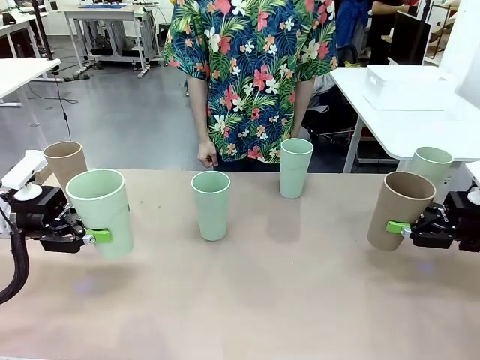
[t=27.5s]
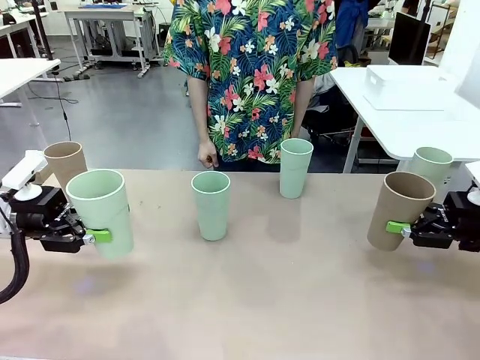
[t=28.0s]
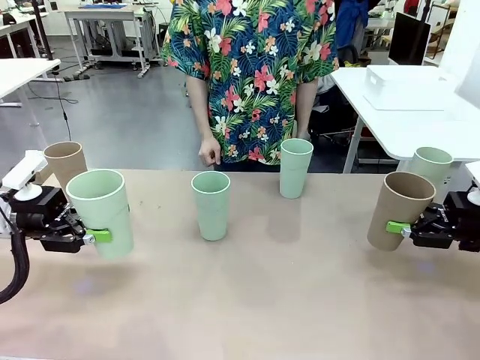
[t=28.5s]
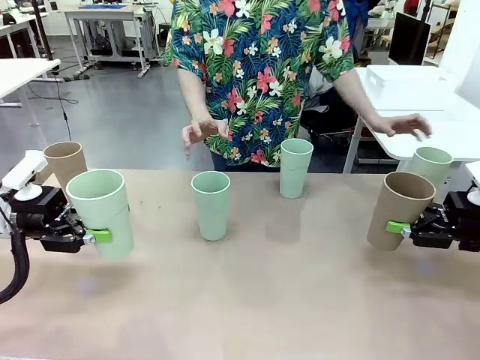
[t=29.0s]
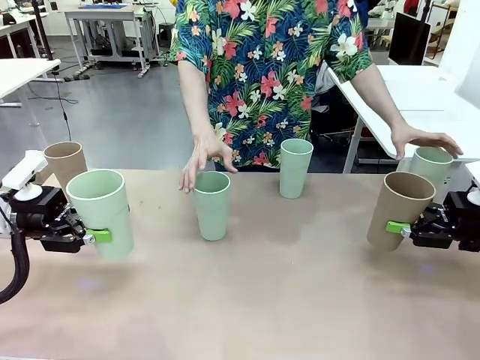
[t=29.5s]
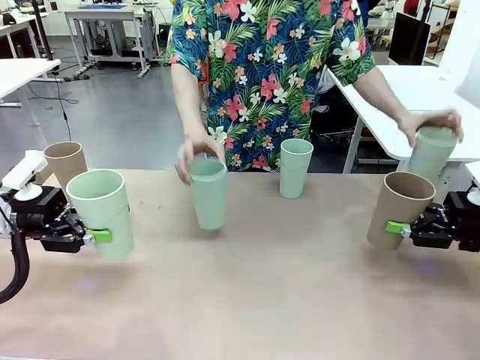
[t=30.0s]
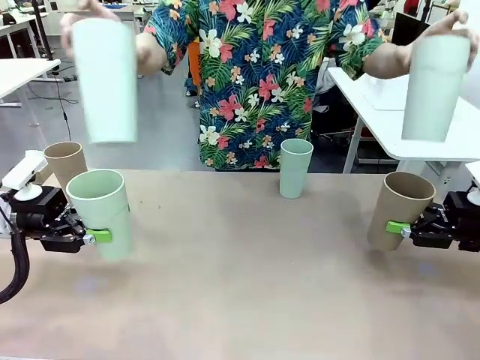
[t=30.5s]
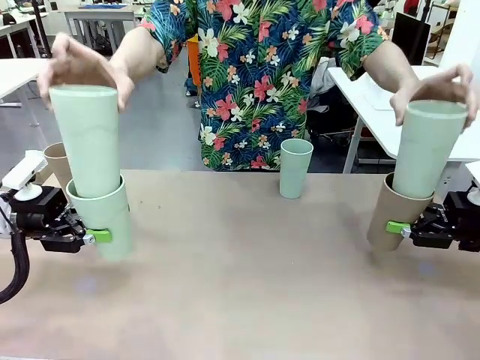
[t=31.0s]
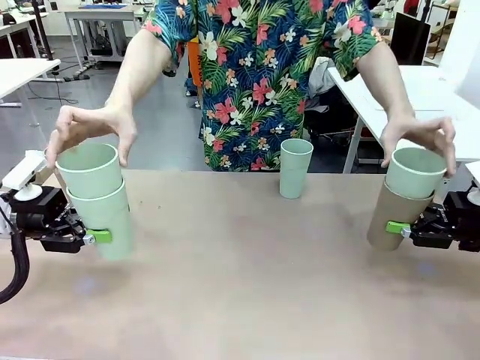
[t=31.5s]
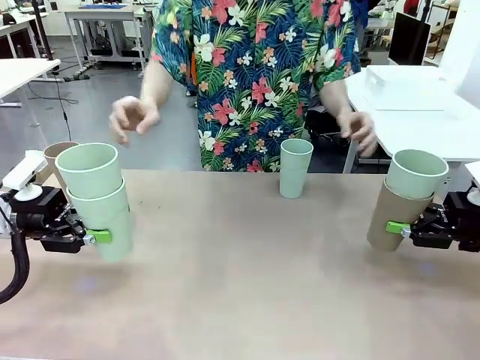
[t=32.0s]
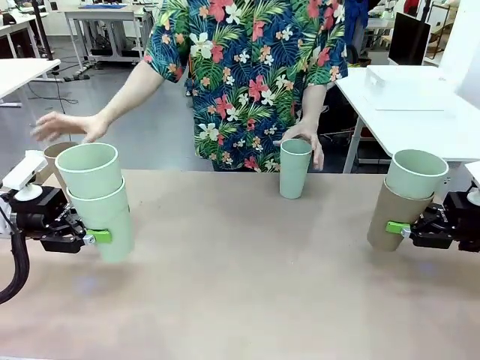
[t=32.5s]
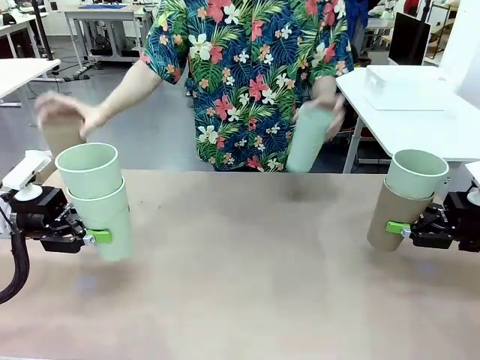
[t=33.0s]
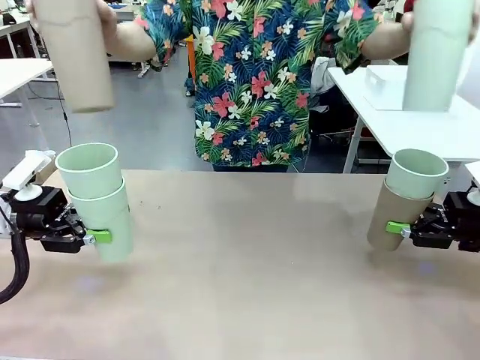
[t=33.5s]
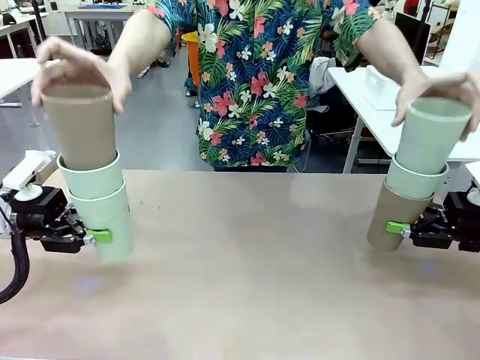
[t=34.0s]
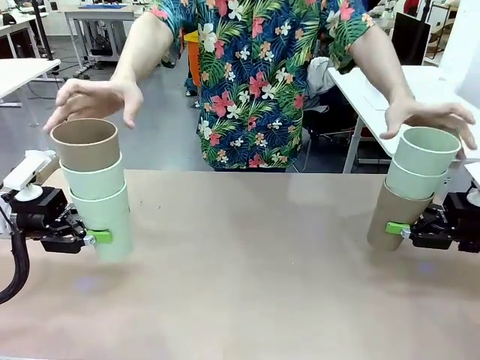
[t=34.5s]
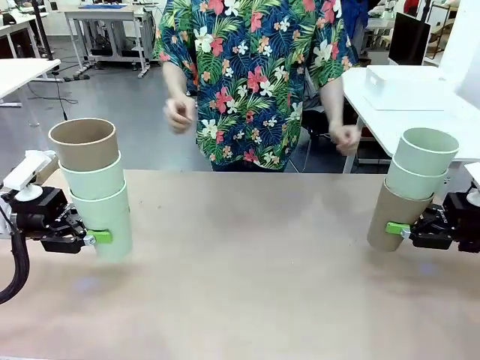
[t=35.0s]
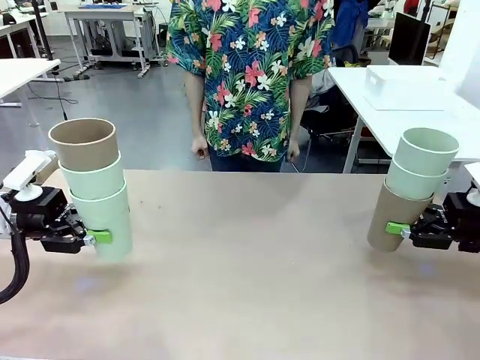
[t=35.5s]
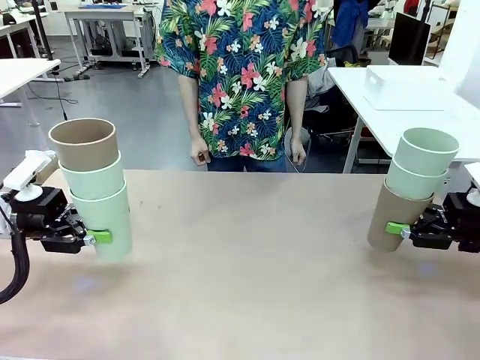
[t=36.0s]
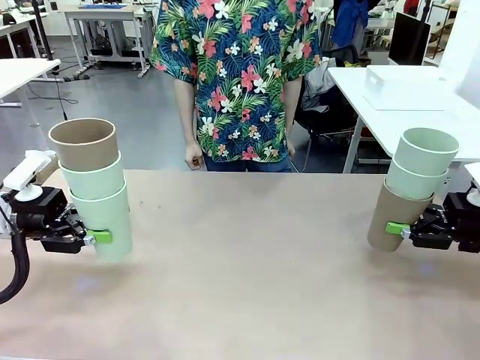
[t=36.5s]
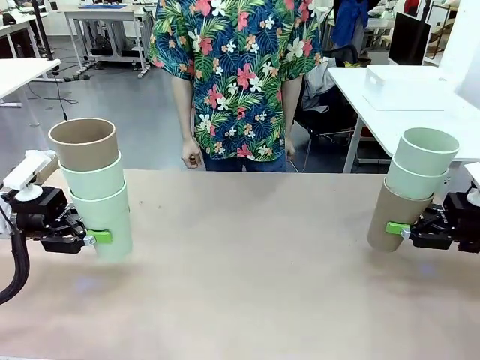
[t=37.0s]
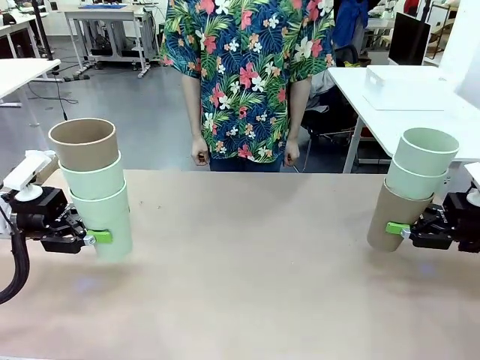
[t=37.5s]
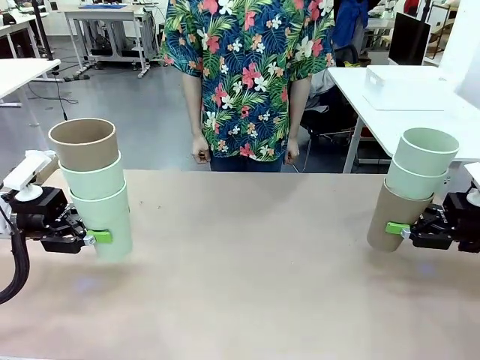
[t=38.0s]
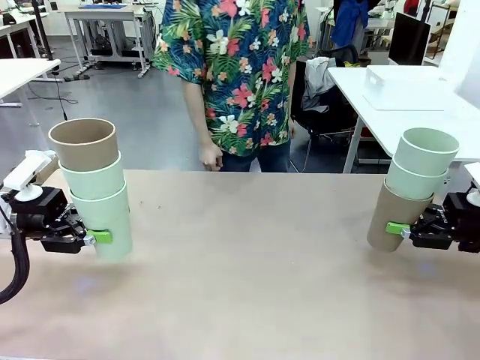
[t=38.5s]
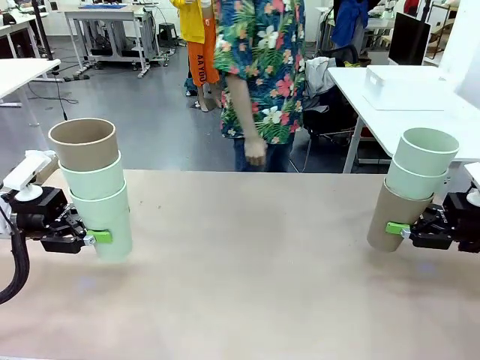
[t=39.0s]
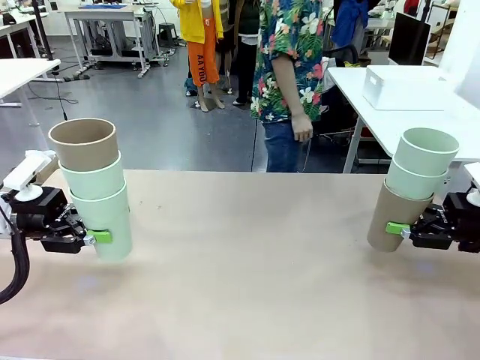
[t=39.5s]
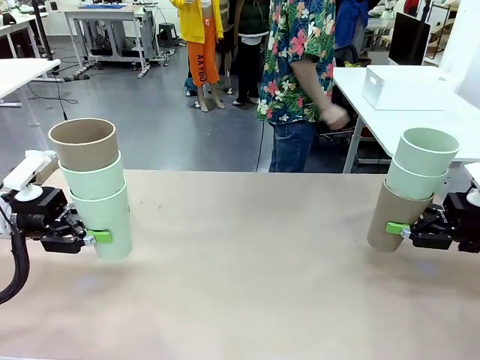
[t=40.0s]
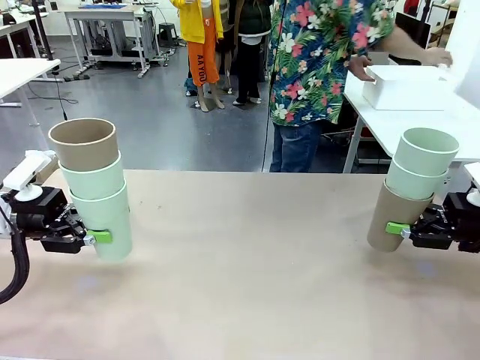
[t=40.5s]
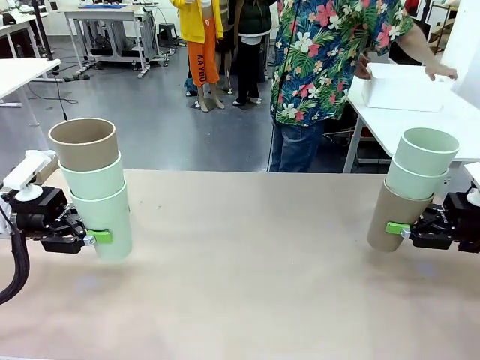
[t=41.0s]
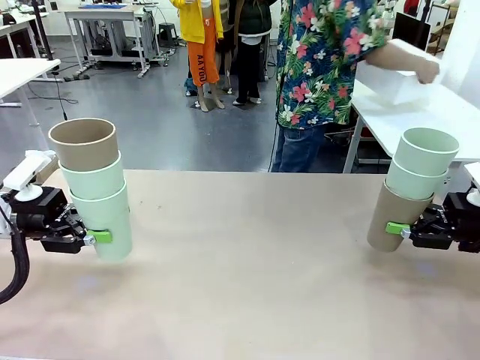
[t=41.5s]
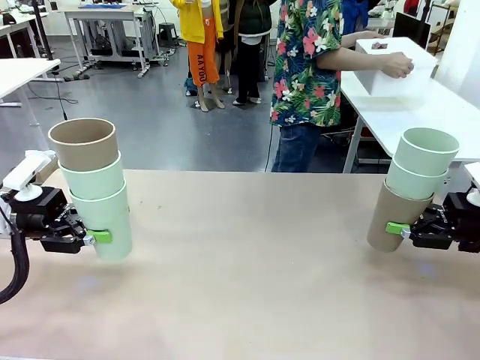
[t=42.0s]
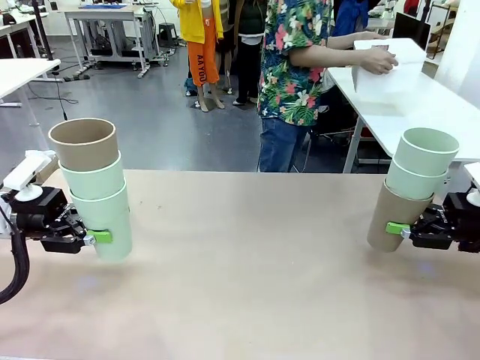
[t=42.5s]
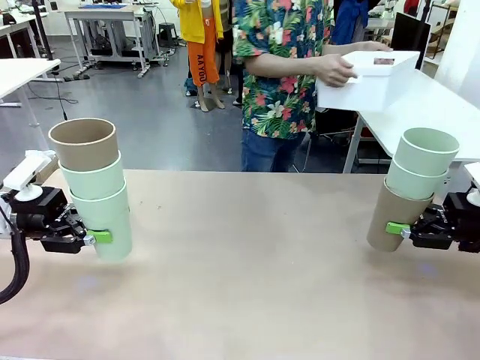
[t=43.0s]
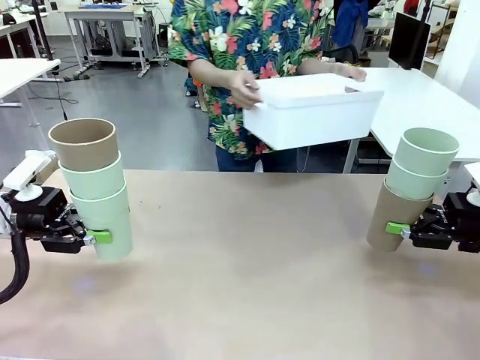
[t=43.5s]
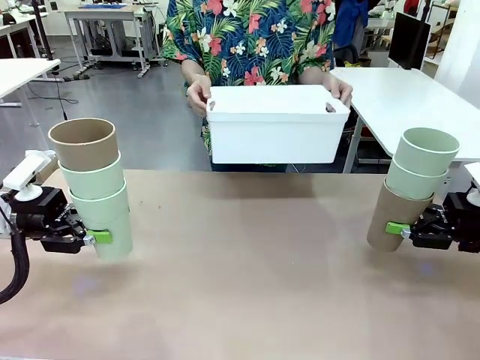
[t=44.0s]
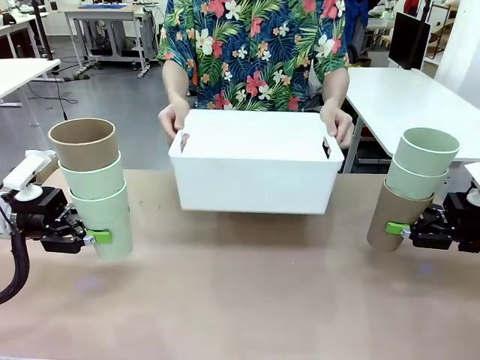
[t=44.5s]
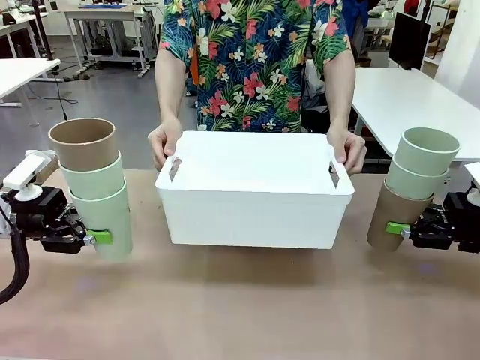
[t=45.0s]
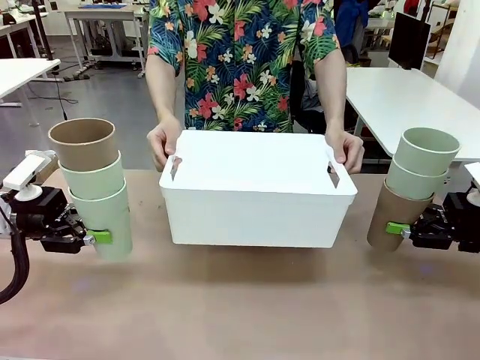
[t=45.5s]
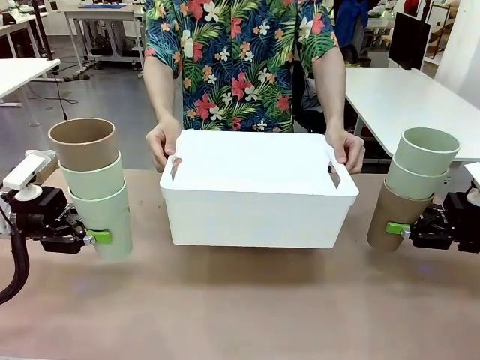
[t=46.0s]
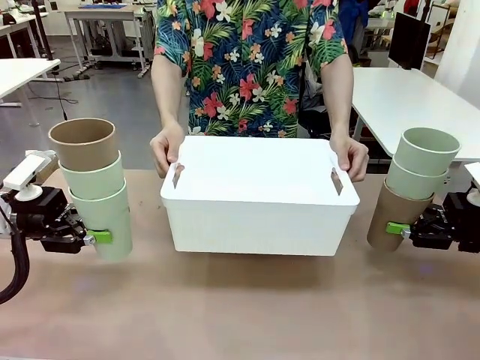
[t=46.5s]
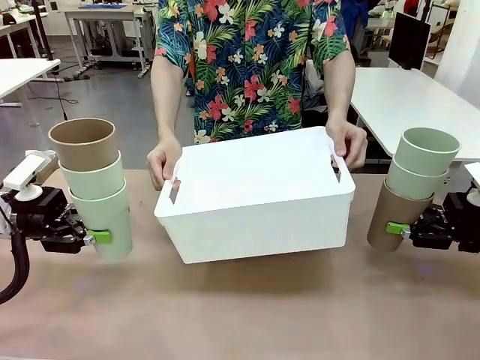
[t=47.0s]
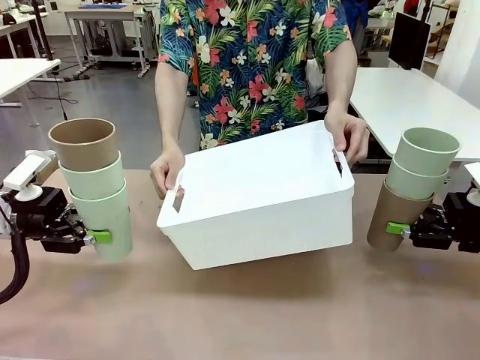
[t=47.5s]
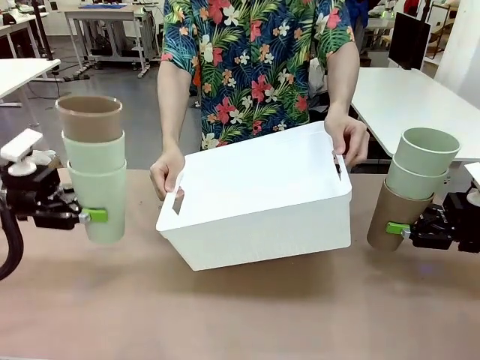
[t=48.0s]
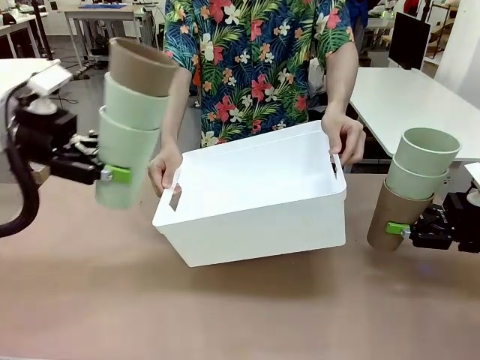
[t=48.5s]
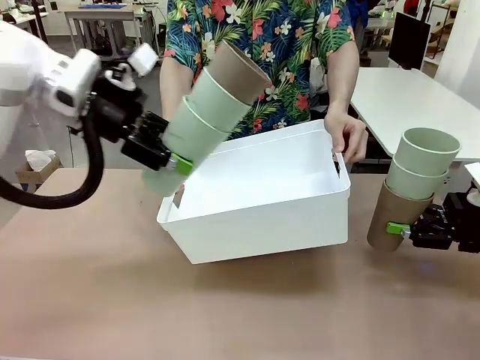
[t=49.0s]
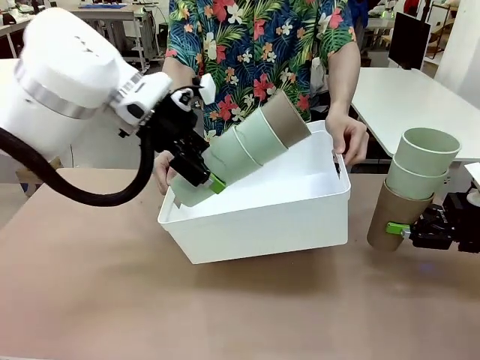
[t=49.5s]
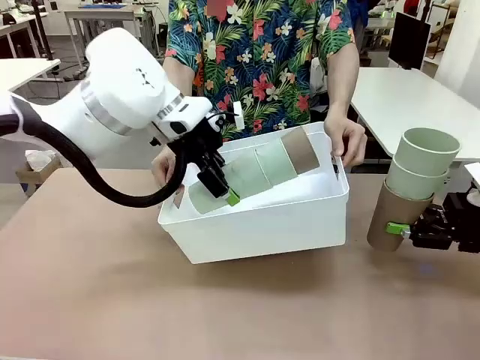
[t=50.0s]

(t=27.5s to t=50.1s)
Task: Stack the cups and store them in the basket.
Robot: Place the stack of Reusable plastic cups into the Pantry Basket.
Person: Pick up the basket from the Human Table, bring it to the front of the robot, and present it.
